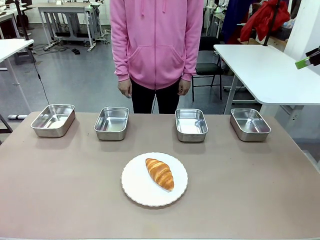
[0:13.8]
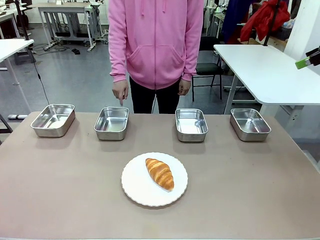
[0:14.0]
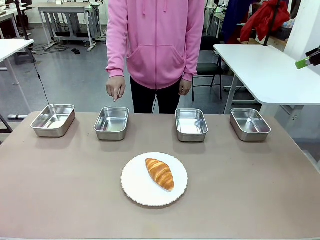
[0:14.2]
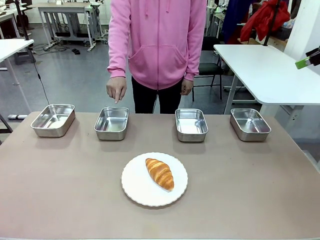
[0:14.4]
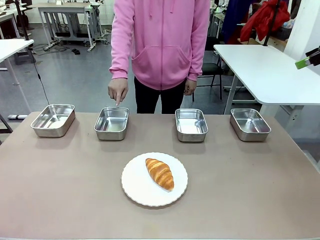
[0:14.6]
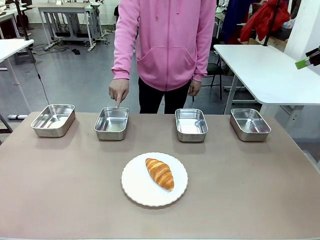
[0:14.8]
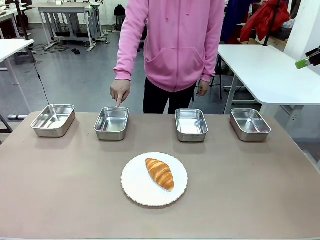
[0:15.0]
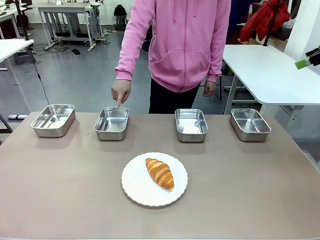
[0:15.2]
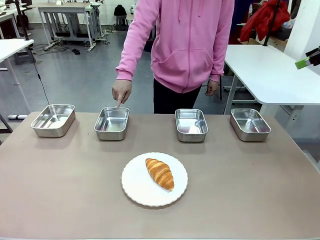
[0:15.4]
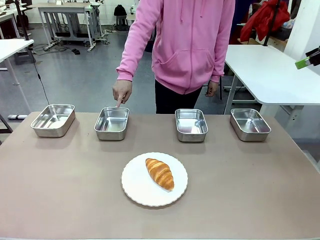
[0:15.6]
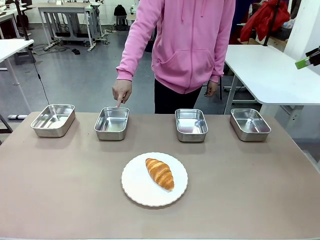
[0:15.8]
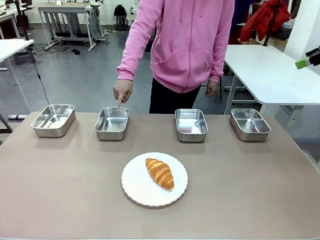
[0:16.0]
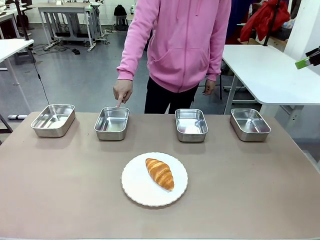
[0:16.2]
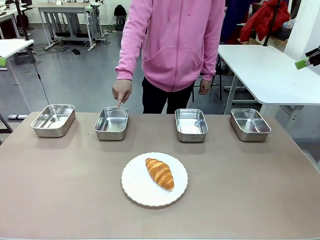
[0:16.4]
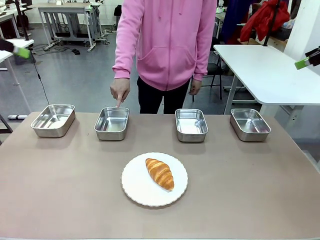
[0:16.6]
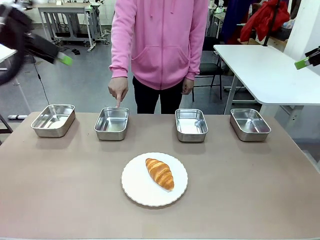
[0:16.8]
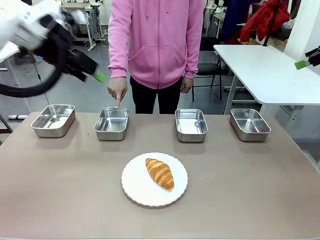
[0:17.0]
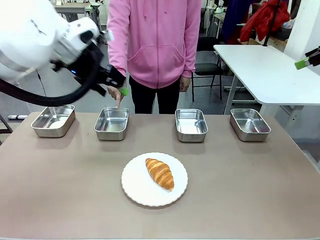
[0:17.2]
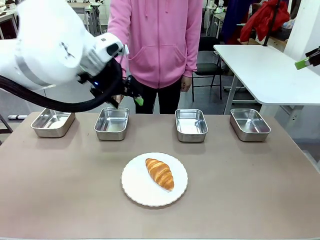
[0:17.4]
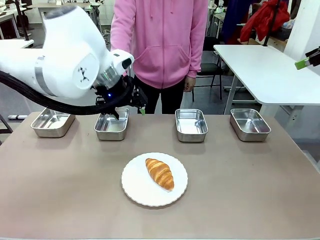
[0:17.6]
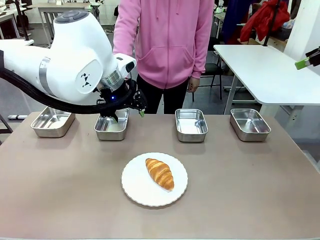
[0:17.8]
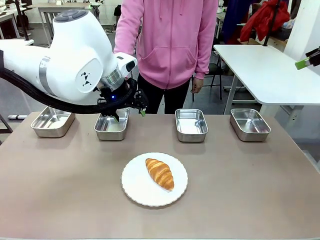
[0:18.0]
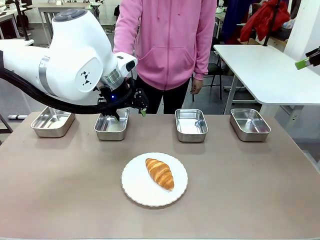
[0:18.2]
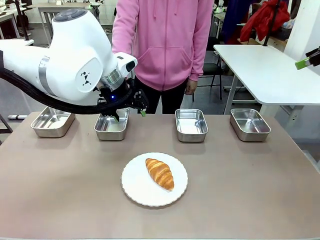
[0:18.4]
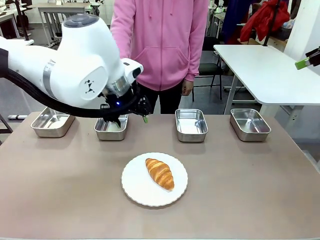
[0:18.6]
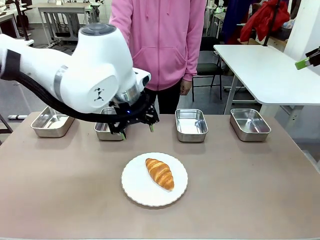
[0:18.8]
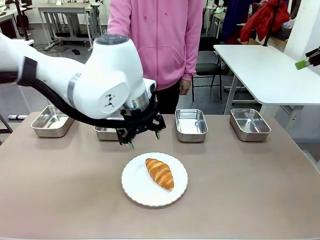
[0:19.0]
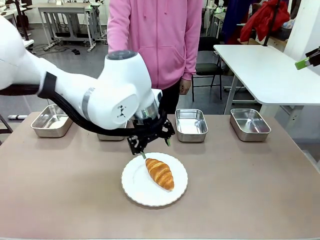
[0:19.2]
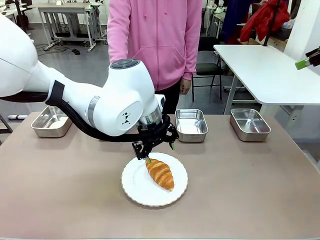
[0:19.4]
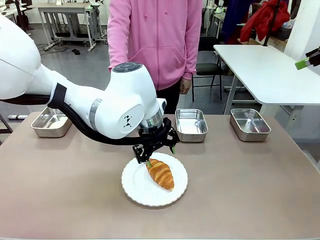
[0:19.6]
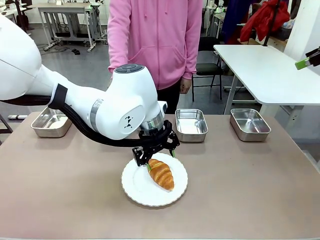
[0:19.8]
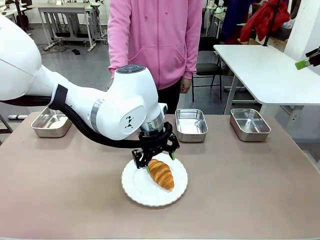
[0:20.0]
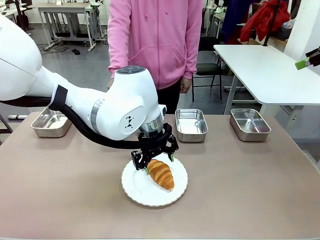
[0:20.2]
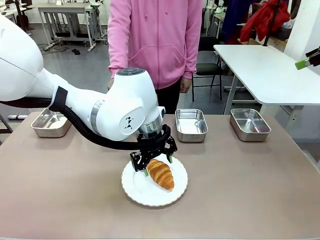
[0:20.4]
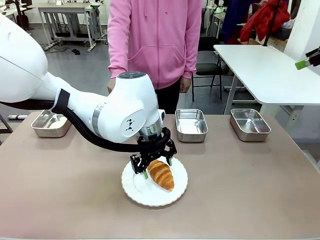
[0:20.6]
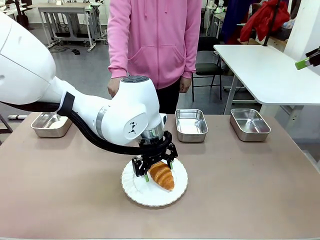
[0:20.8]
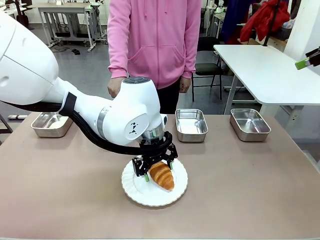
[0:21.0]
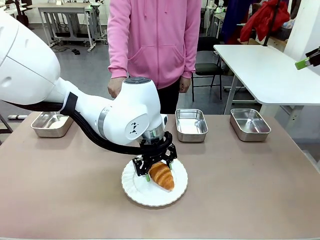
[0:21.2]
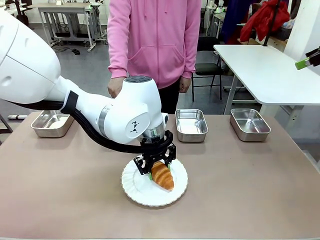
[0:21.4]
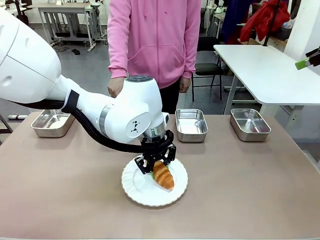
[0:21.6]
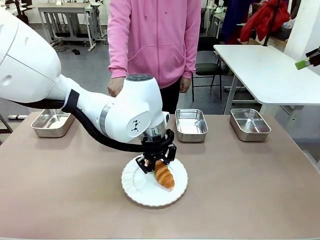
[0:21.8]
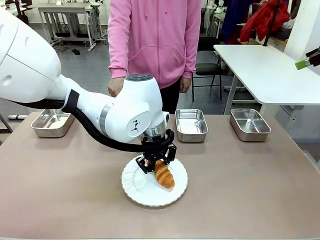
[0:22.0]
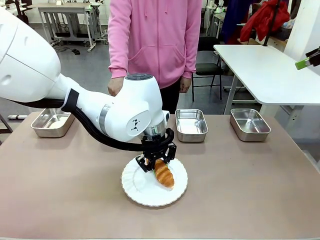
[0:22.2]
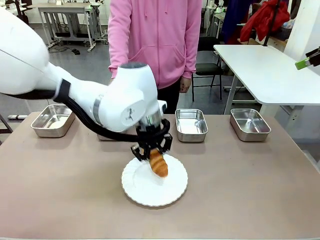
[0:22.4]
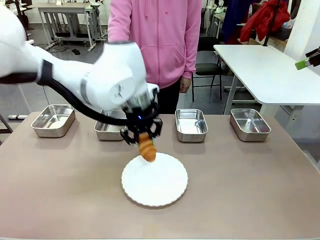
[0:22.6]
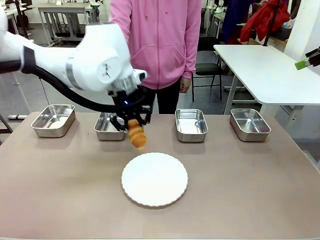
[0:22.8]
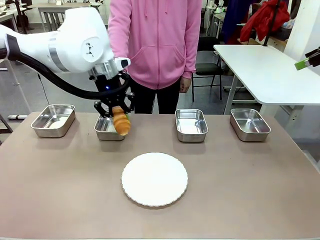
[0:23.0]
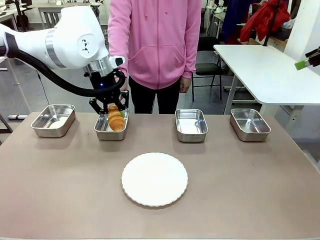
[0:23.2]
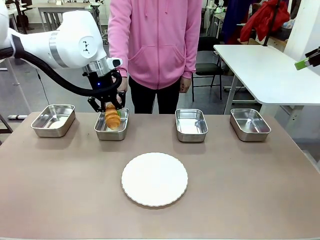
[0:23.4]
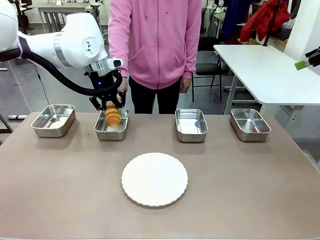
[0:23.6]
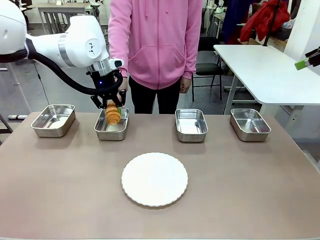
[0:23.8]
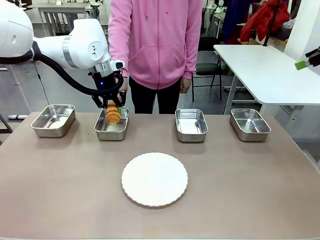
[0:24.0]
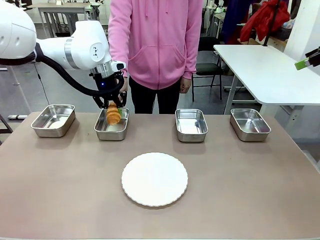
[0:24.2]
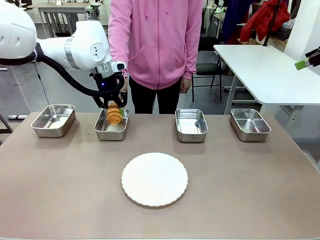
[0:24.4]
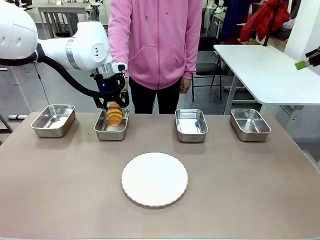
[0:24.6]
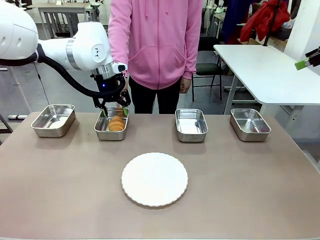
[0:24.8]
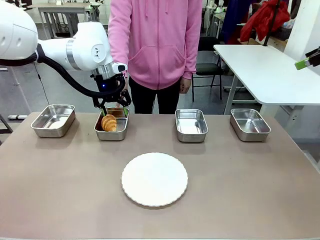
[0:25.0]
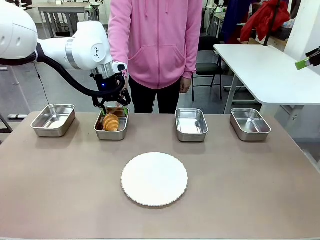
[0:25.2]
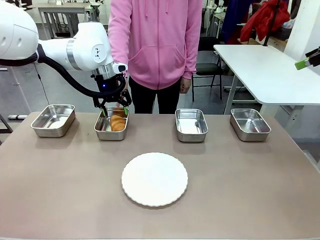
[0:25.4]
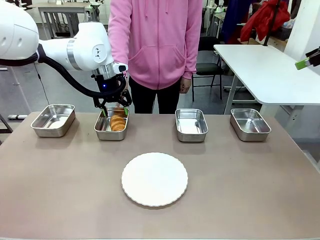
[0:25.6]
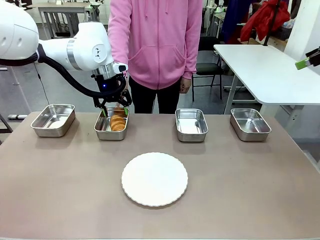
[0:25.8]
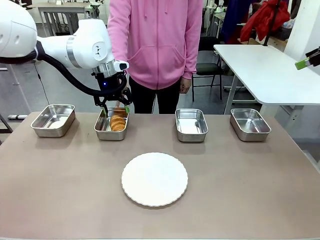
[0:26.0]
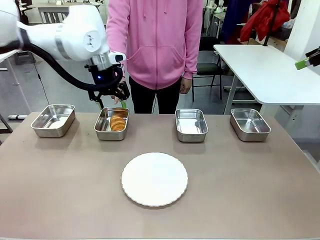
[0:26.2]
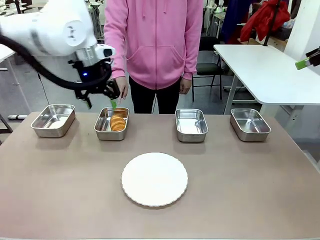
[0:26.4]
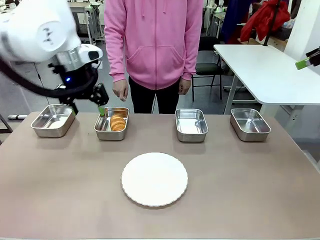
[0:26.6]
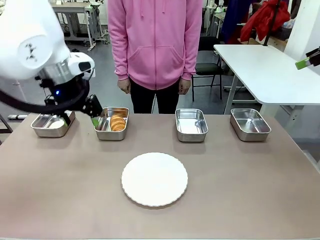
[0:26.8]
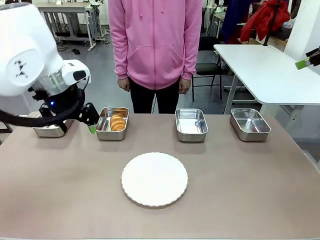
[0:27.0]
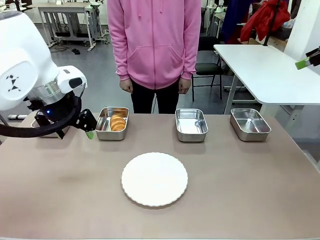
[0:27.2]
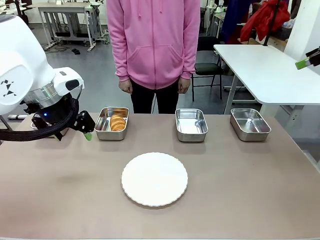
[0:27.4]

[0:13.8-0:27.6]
Task: Place the bread in the container.
Robot: Place the Butter Roll into the Airtight Container indicated by the human.
